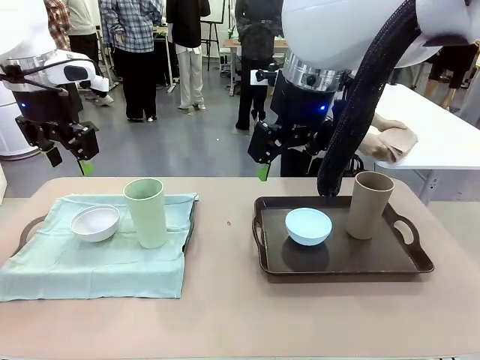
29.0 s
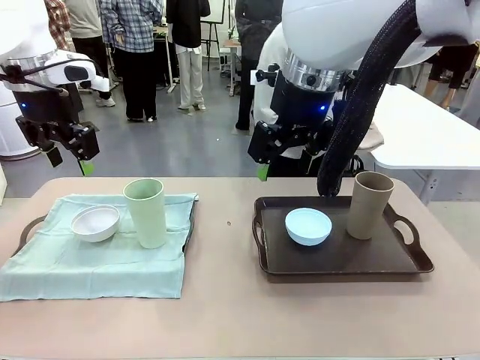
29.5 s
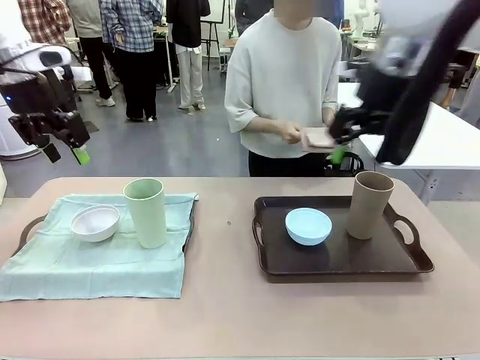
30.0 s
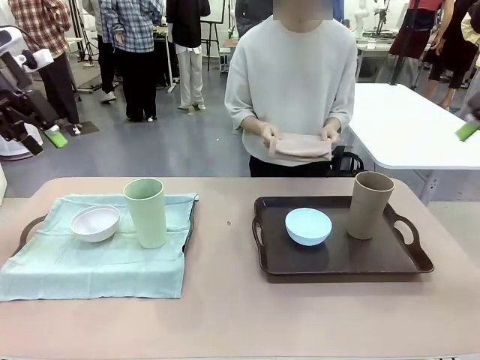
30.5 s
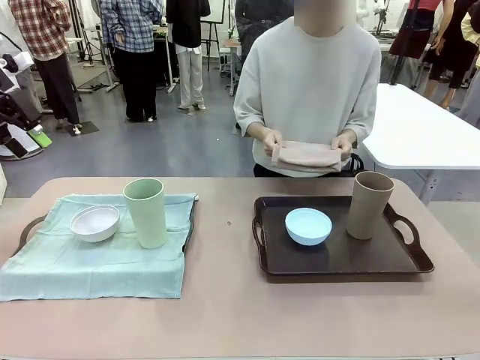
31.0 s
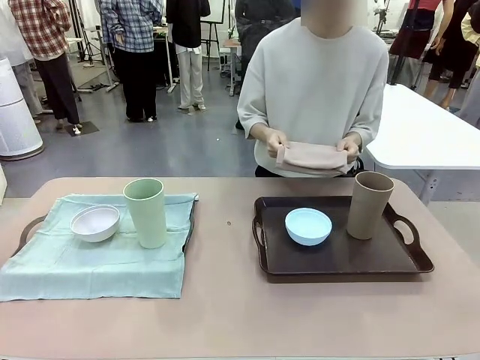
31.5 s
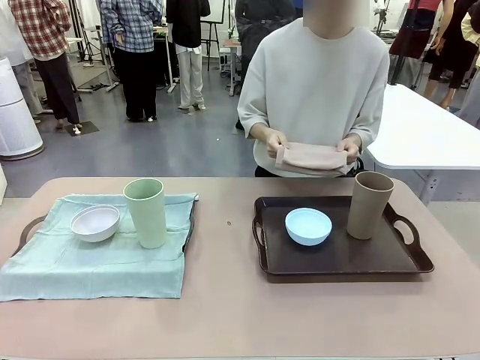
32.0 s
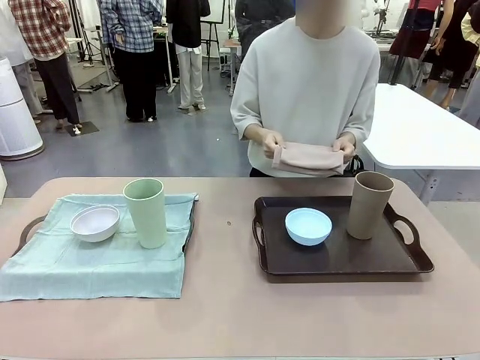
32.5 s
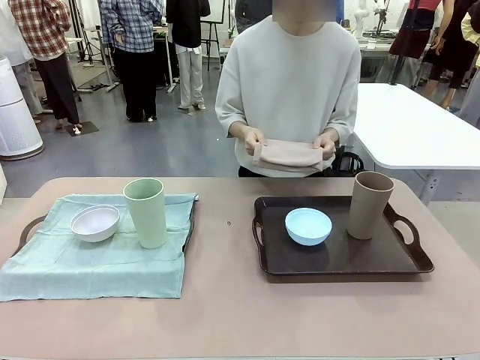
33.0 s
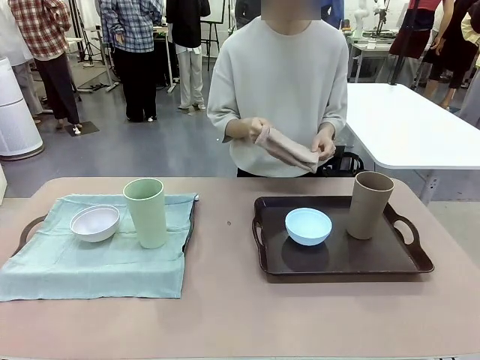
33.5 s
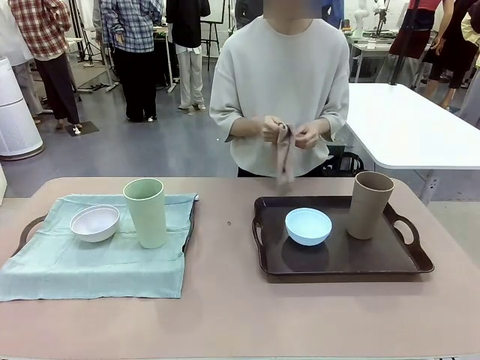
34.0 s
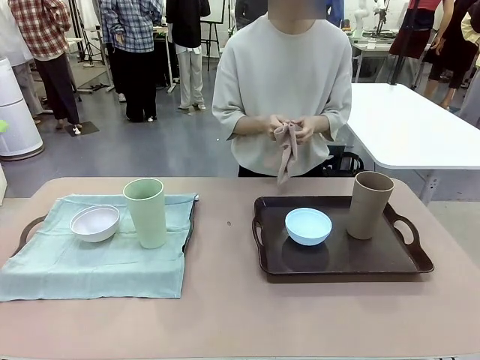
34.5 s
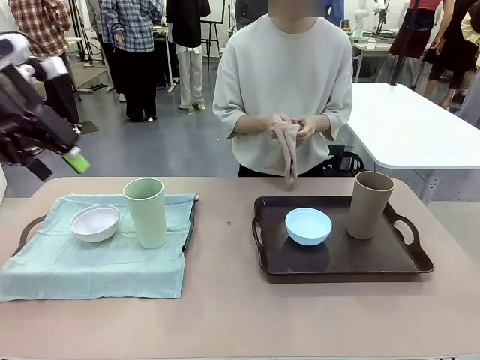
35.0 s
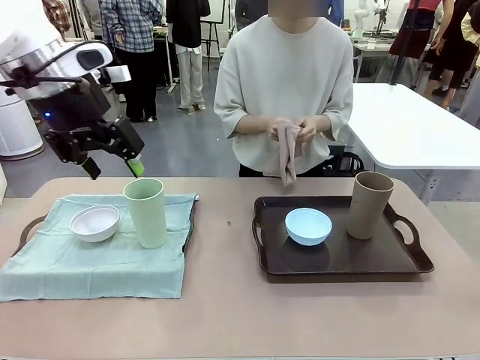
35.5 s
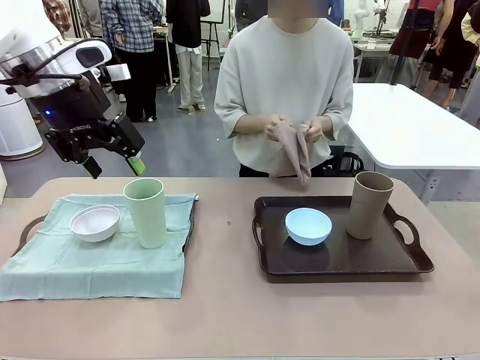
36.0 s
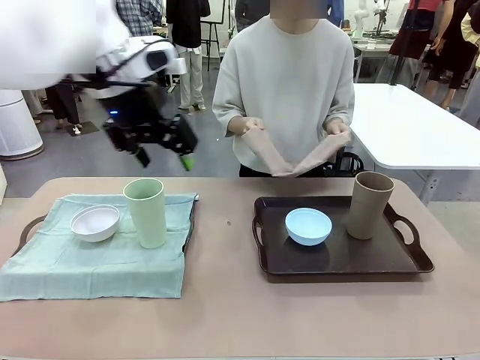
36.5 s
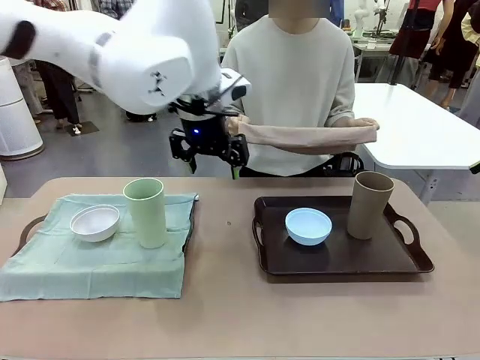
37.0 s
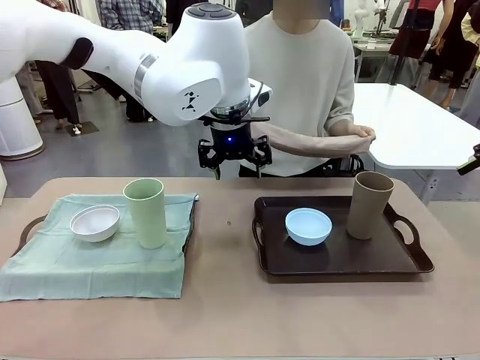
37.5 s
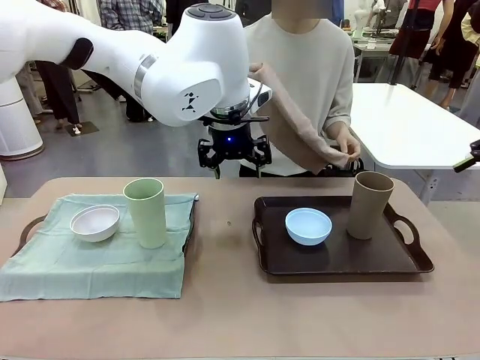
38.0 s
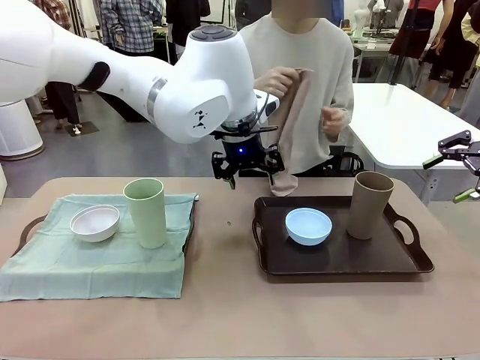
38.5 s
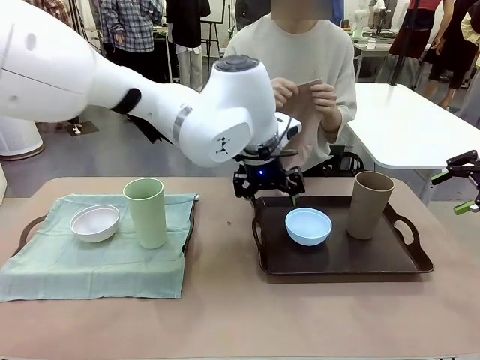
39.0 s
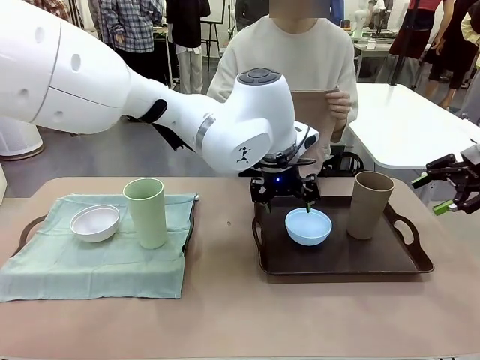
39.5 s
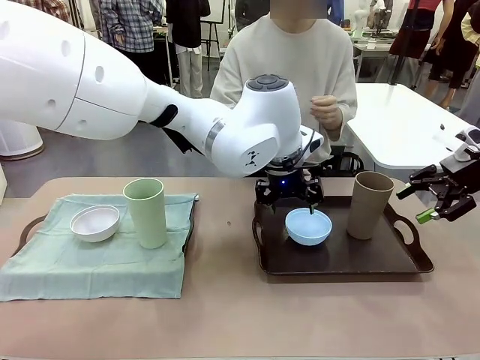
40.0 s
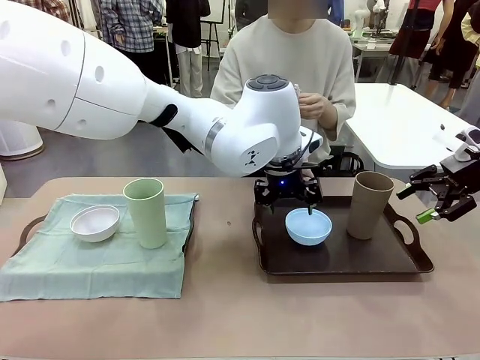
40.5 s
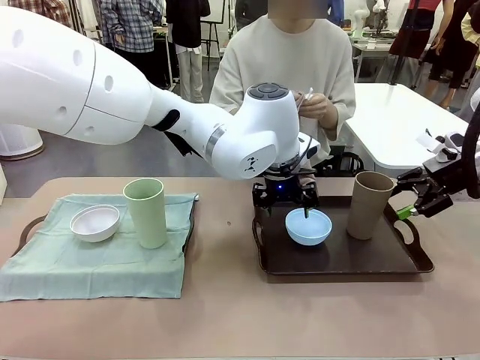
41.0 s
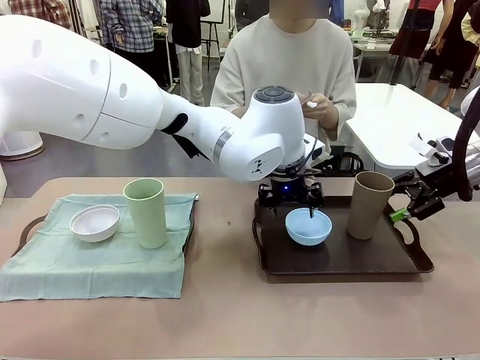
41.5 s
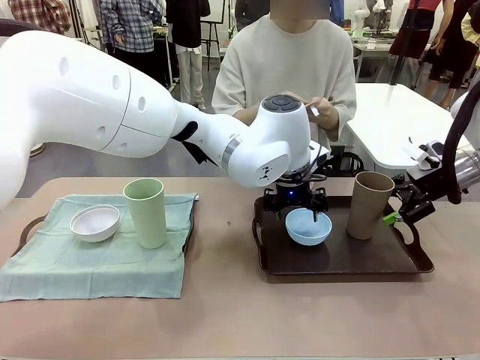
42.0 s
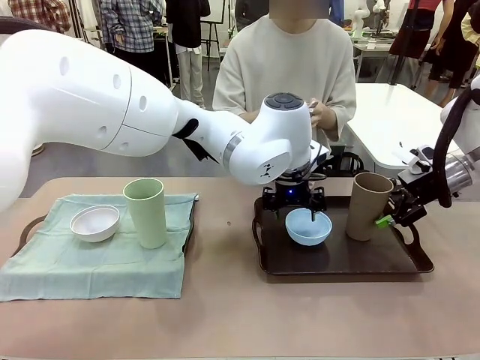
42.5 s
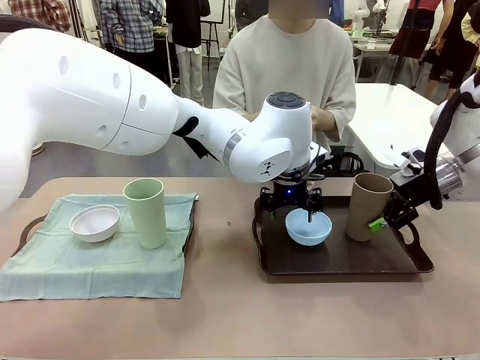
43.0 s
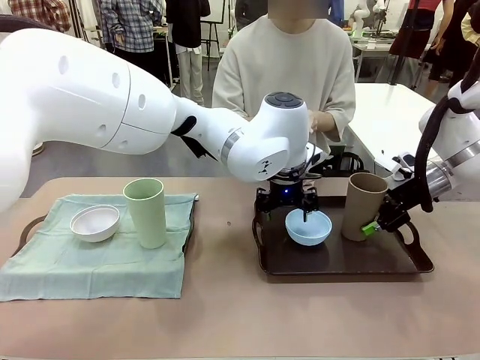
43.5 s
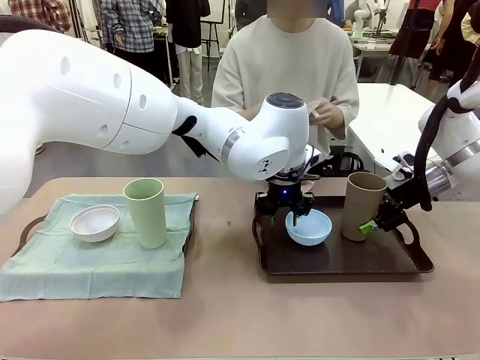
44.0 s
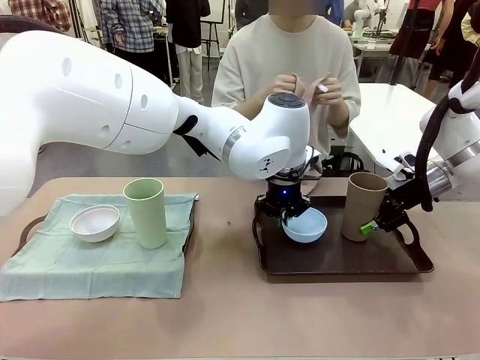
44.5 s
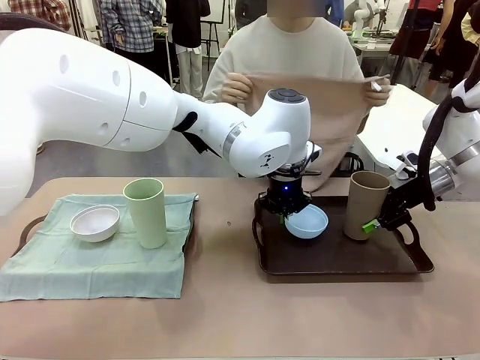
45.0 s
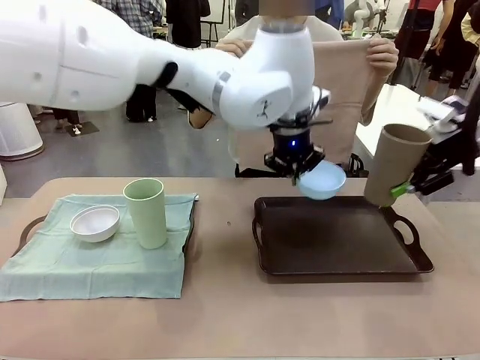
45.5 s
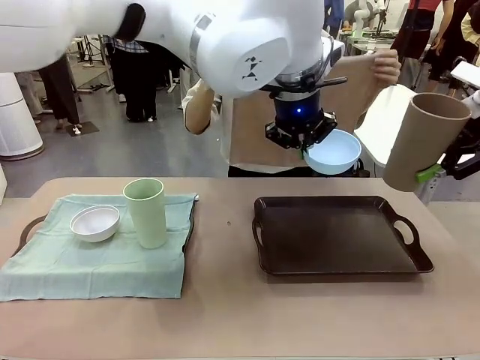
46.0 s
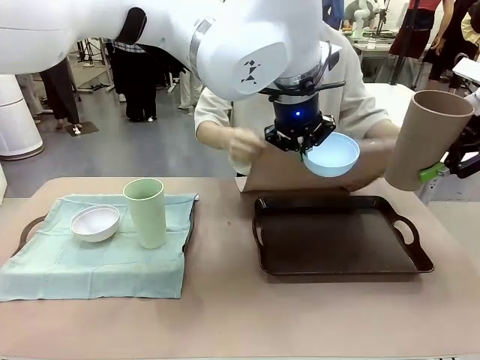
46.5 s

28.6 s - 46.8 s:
Robot: Pick up the Picnic Bowl and Reusable plastic cup from the Handle tray in front of the human's position and hold them in the air.
Person: When the robot lifts the bowl and the cup, the human unfolds the napkin and lays the napkin flat on the tray.
